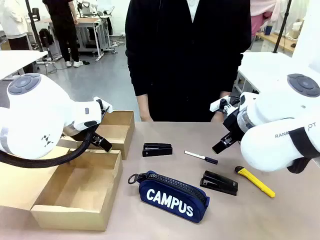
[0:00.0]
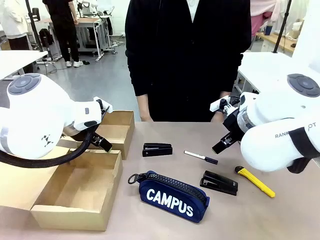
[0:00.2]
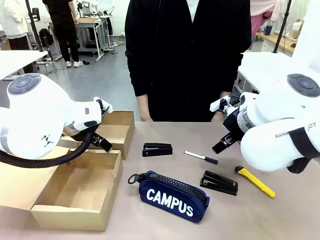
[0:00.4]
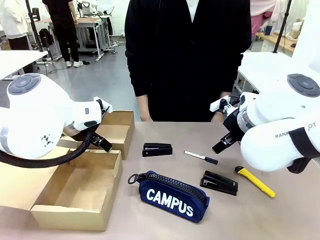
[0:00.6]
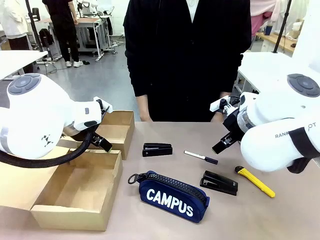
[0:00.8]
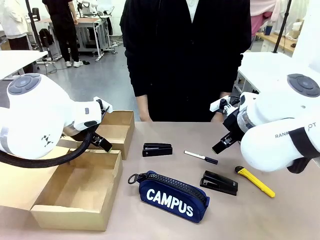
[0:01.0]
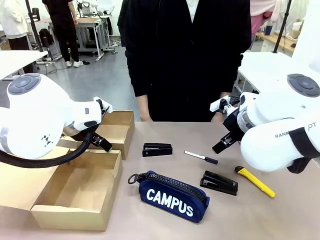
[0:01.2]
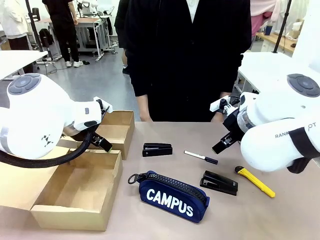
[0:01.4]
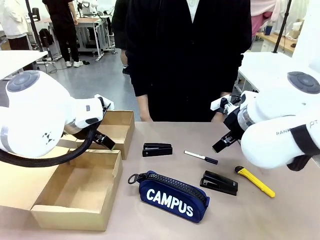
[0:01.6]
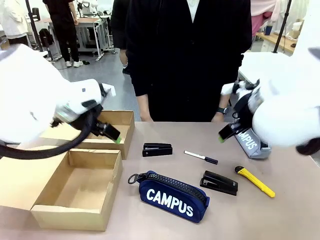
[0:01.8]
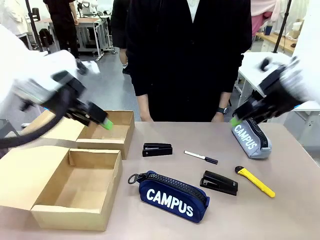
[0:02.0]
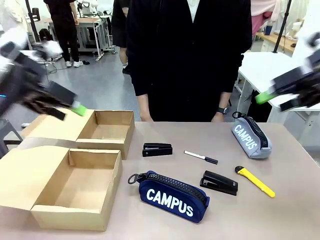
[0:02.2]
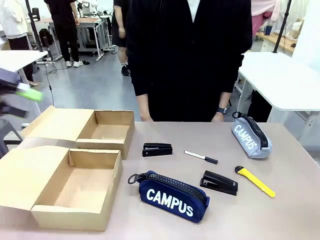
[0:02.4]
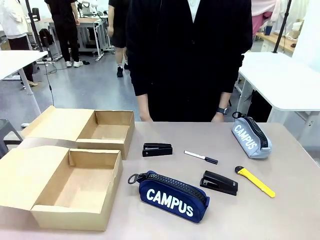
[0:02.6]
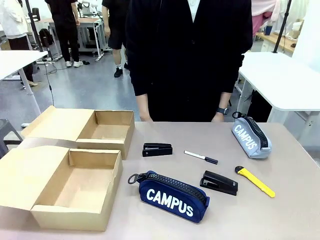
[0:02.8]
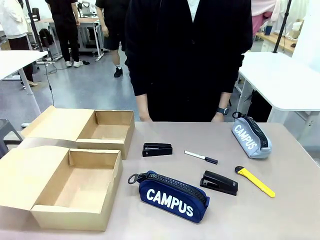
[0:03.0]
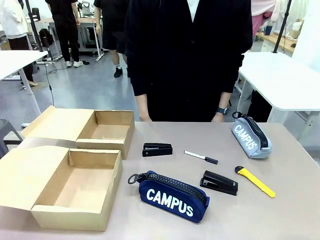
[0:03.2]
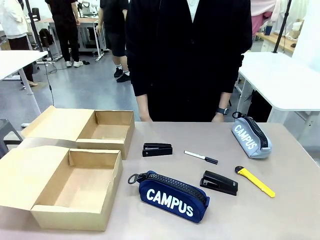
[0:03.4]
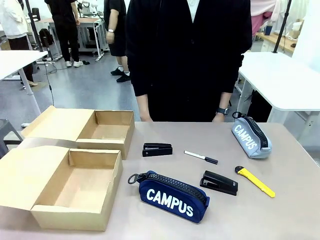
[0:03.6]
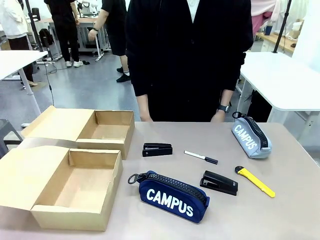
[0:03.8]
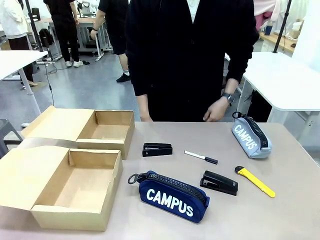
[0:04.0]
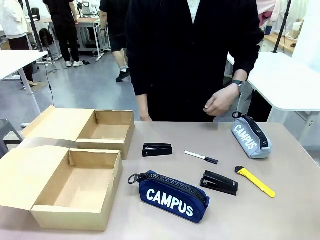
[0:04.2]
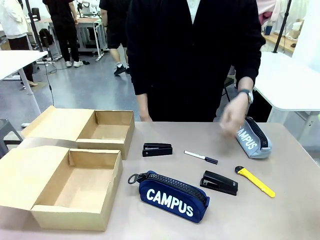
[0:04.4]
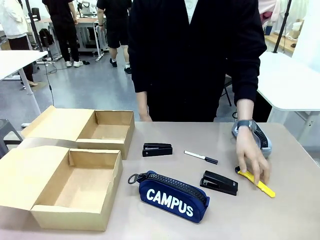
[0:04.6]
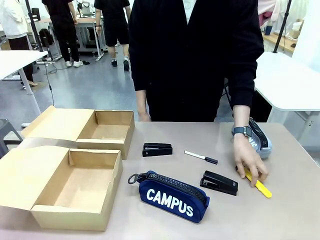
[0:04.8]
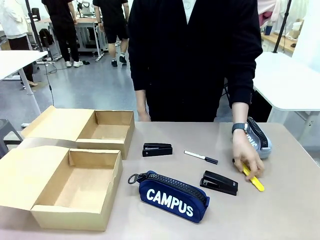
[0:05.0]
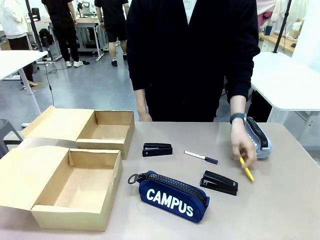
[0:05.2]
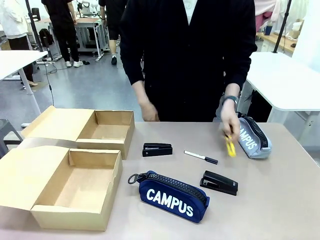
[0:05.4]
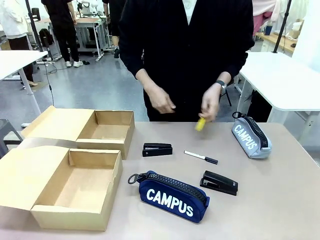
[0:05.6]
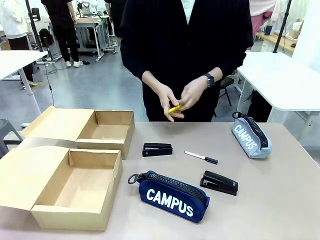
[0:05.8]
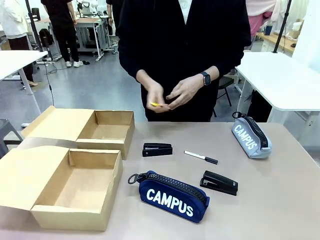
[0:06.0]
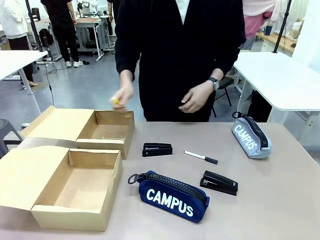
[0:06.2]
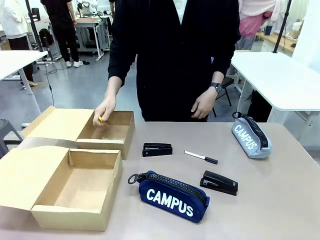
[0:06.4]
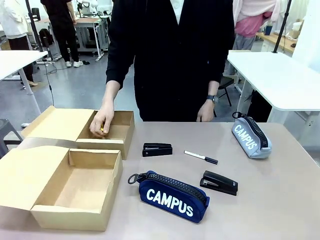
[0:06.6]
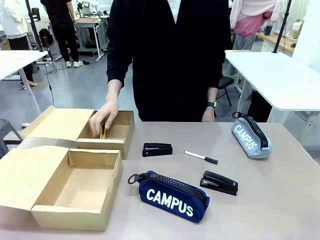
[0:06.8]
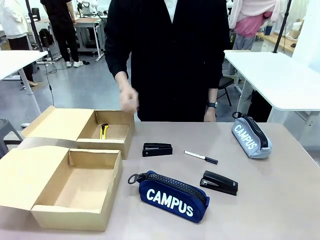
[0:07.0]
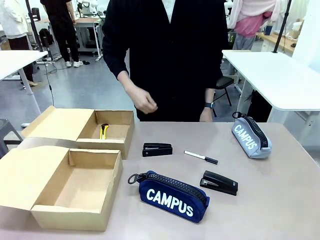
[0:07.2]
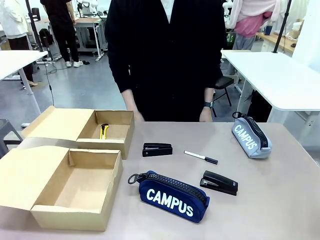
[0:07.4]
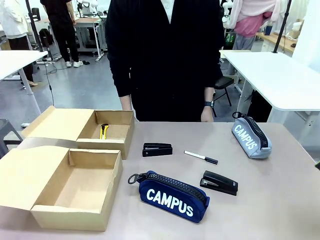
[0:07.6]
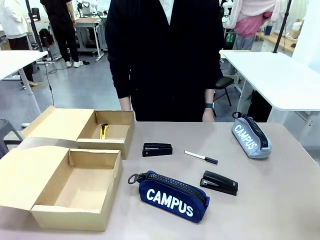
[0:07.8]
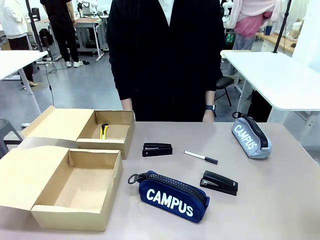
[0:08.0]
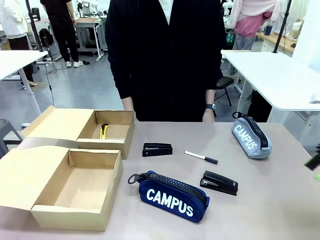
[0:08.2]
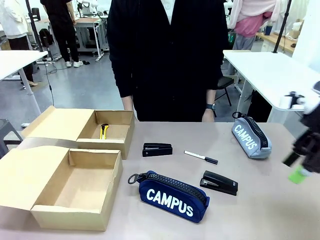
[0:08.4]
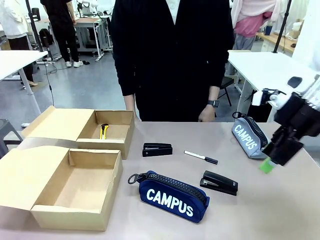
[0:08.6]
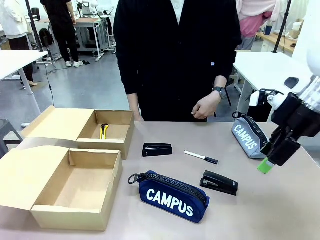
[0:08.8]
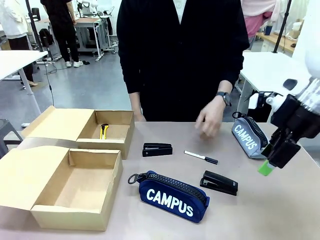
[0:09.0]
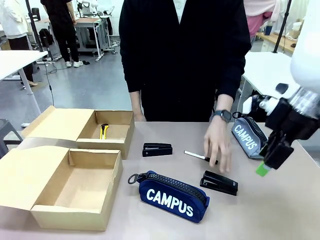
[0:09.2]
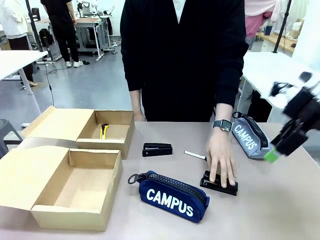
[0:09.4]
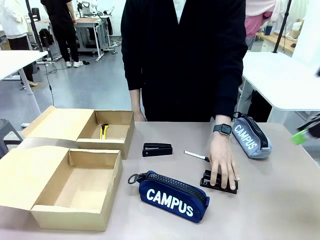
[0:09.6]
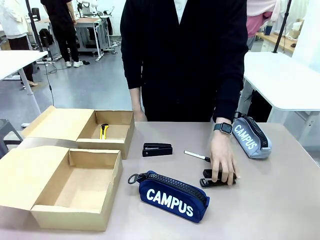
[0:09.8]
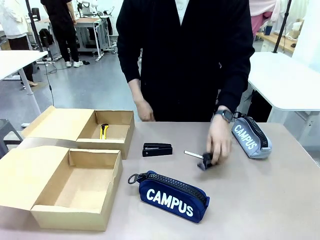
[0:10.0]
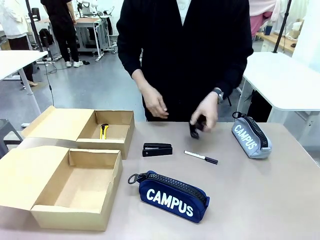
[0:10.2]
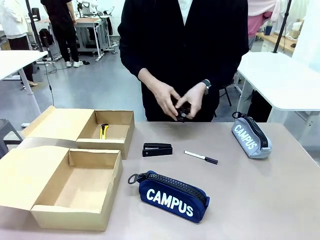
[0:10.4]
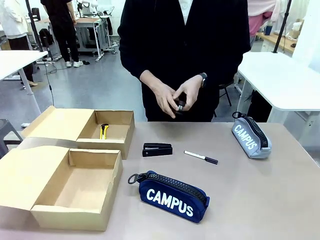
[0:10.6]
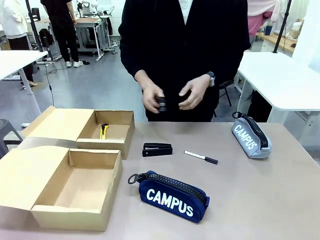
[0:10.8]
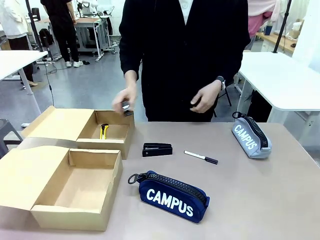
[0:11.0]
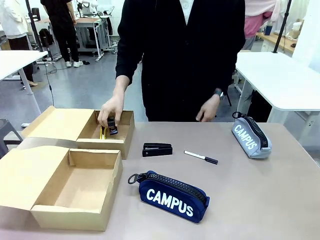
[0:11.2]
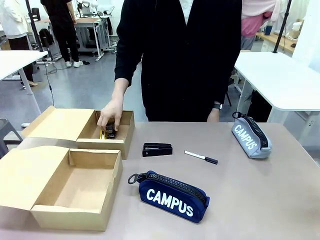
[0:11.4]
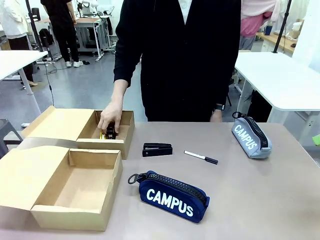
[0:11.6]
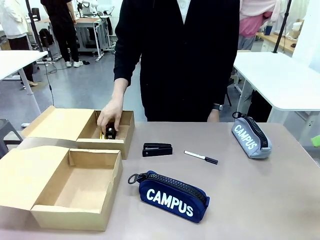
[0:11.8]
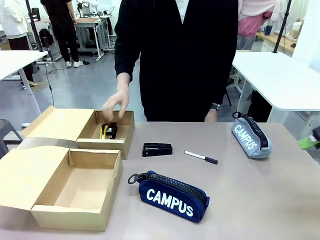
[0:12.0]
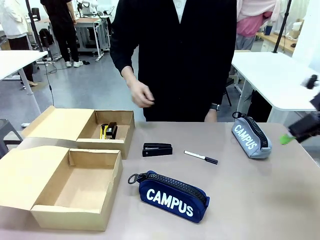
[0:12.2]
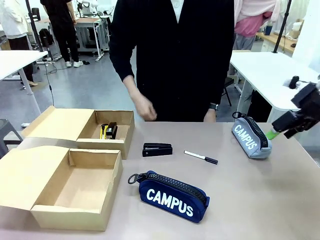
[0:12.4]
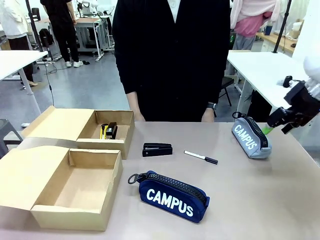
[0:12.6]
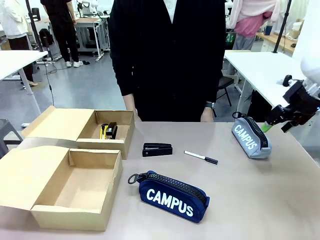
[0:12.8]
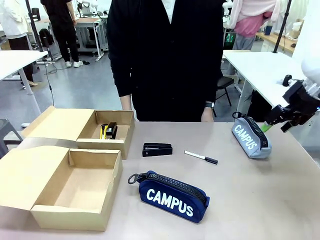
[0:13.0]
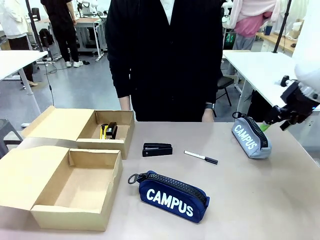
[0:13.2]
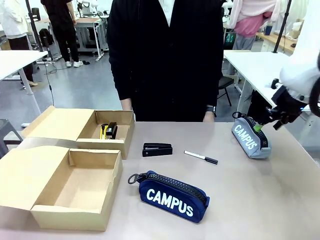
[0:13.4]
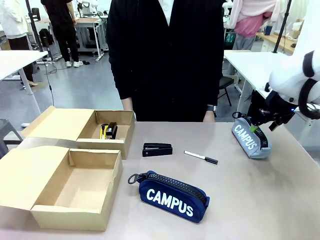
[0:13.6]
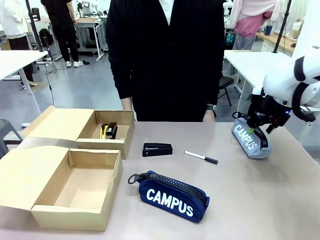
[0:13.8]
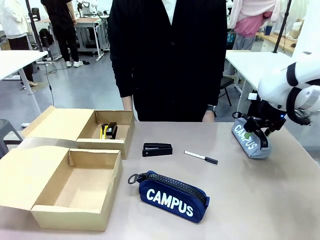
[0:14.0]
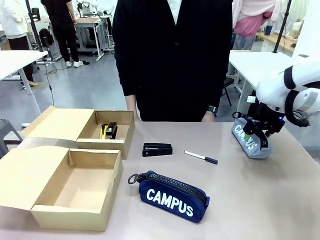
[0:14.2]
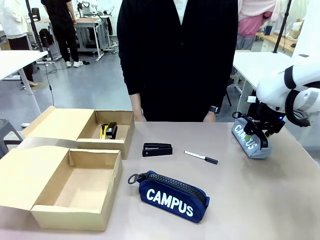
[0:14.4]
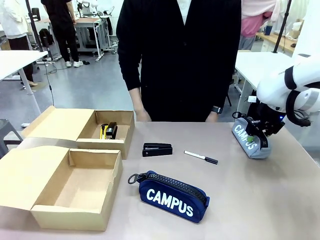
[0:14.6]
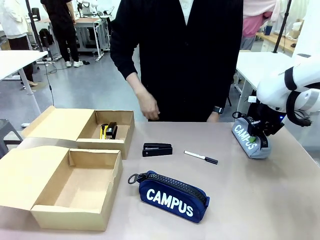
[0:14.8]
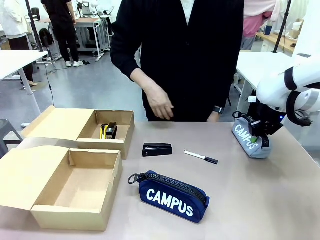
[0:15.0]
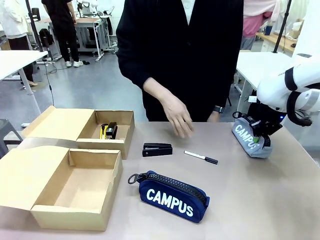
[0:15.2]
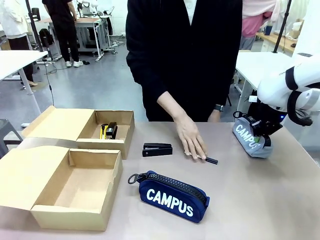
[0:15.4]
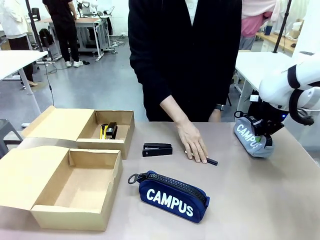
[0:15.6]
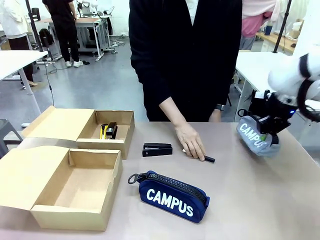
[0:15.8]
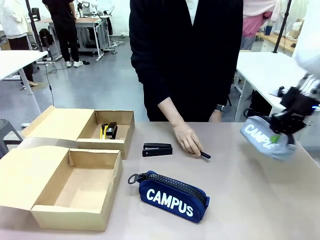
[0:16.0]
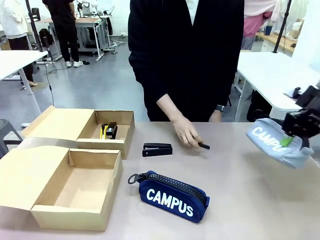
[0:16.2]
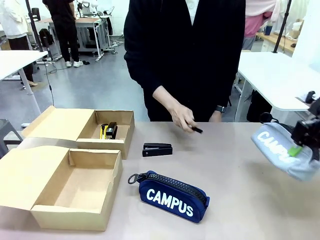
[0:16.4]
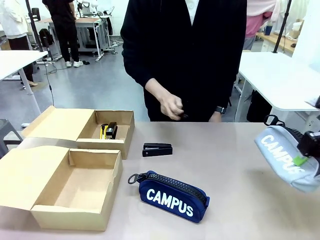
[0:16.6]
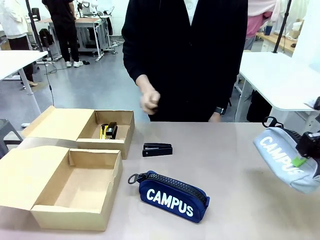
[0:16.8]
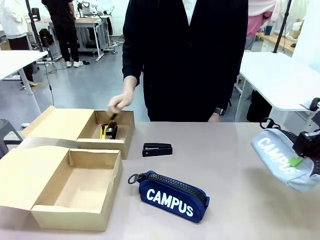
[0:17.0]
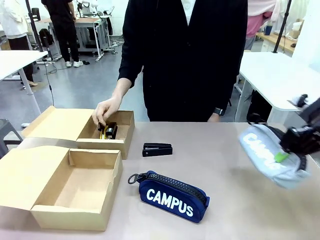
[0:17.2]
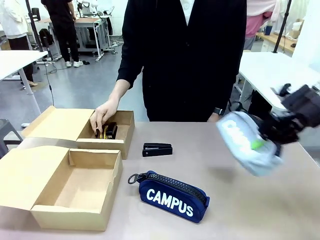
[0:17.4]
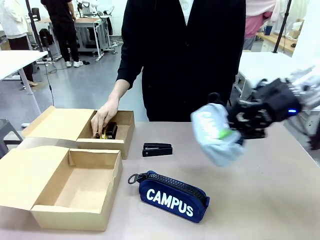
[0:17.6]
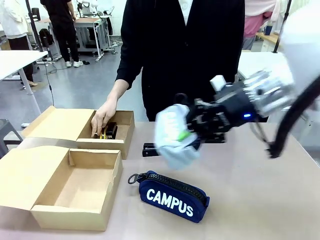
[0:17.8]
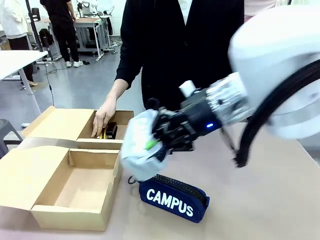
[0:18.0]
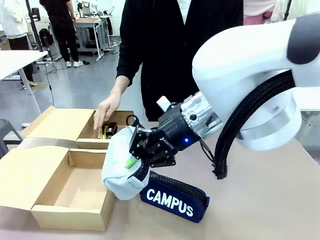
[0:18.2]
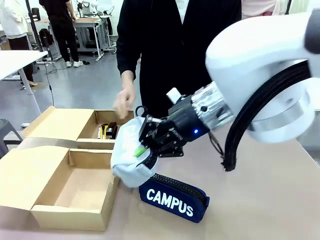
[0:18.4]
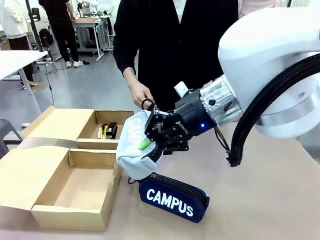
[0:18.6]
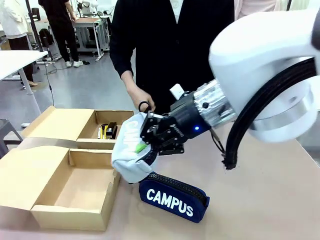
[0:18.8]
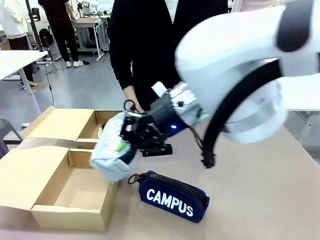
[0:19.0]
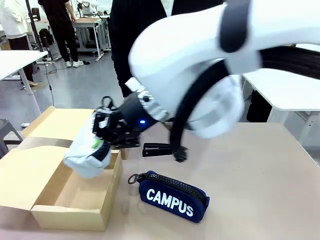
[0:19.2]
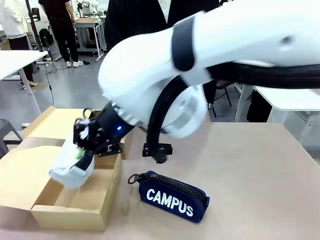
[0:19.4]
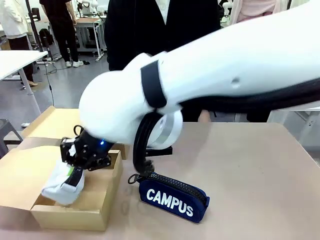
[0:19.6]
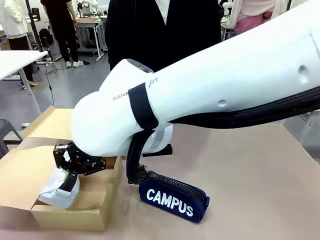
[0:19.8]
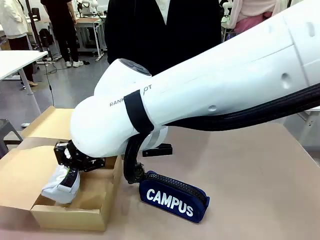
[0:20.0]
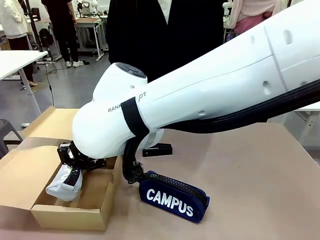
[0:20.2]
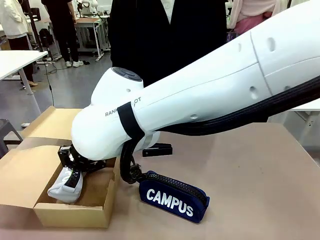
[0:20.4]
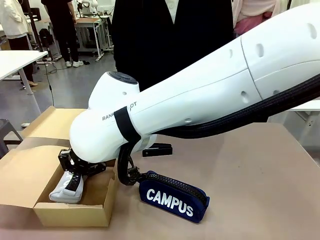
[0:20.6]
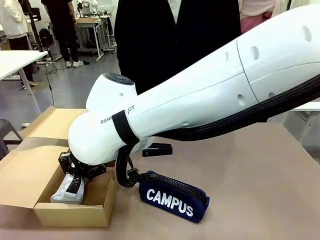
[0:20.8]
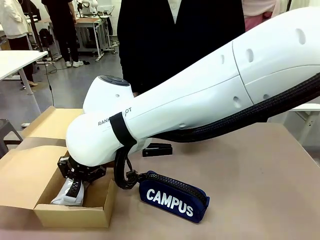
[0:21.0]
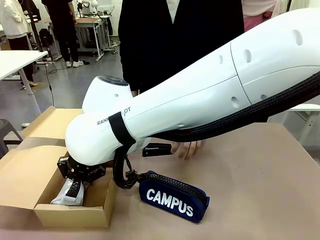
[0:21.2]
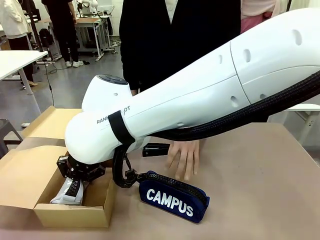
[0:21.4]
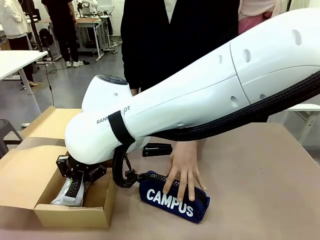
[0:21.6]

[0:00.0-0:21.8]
Task: Place items inside the box.
Robot: Pick up a Pencil pouch or Stapler and place it inside the Mailer Box closest to the robot.
Person: Pick up an object on the table and put it in the box.
